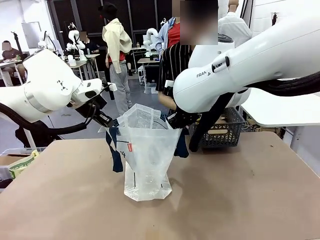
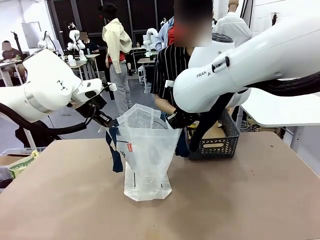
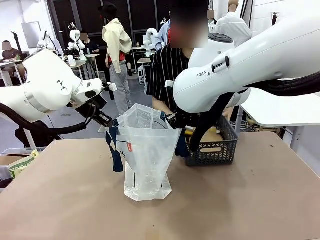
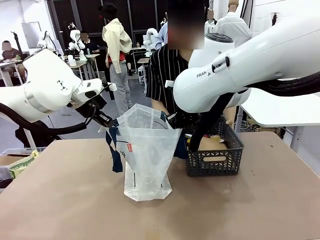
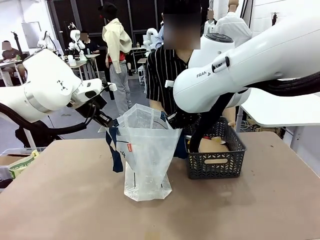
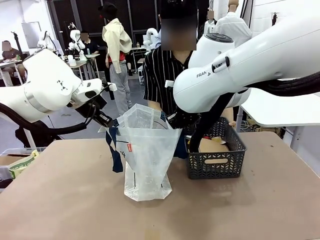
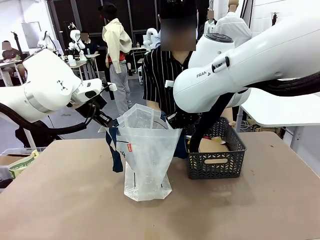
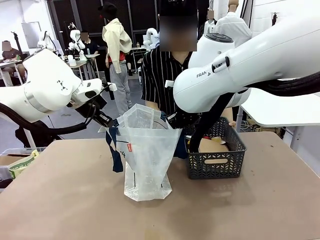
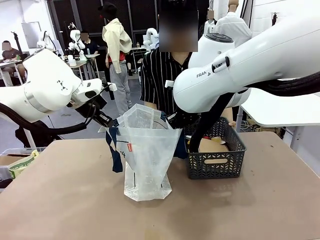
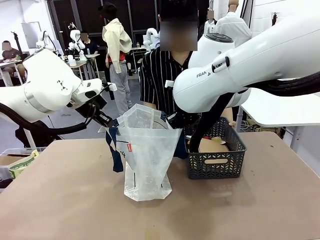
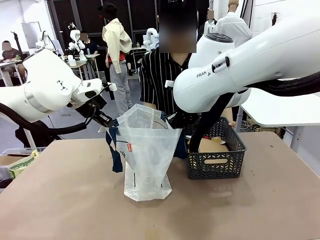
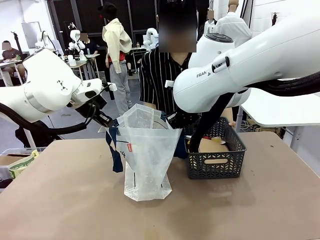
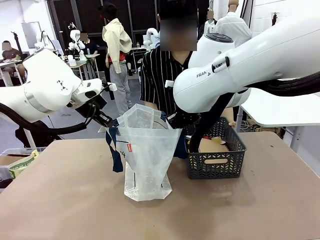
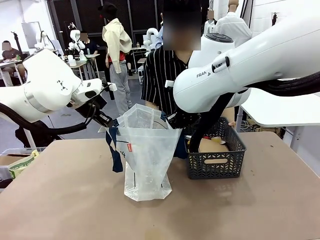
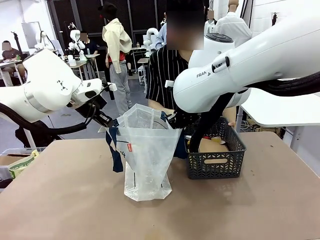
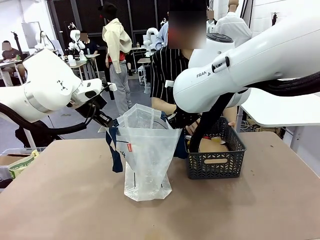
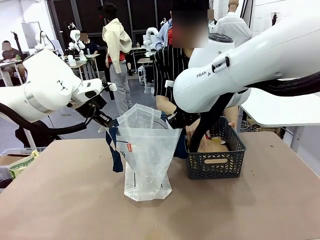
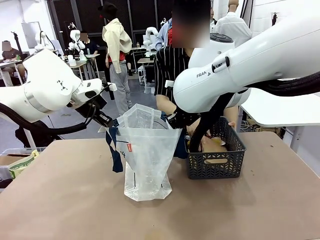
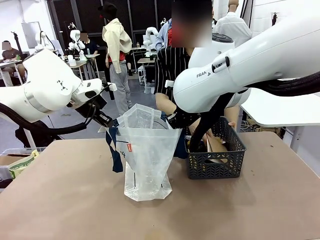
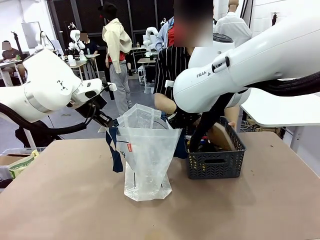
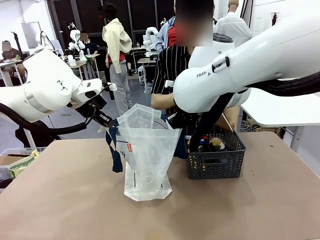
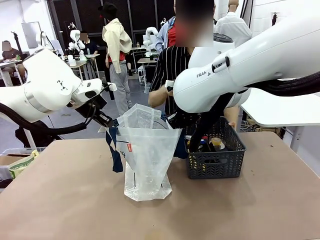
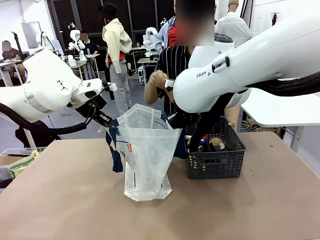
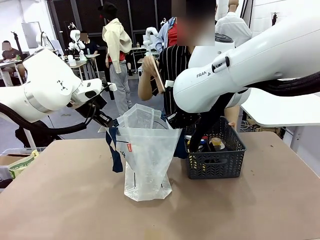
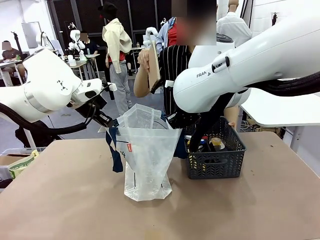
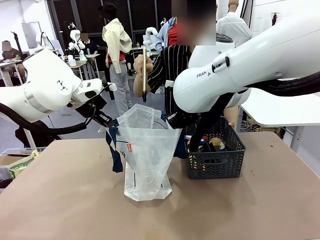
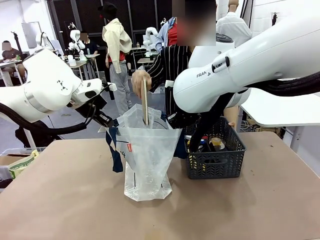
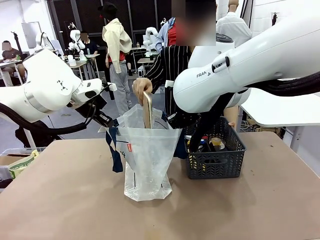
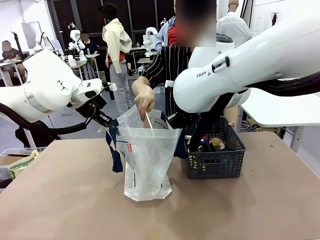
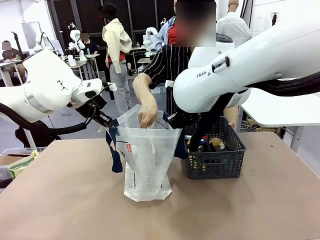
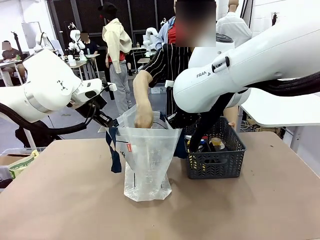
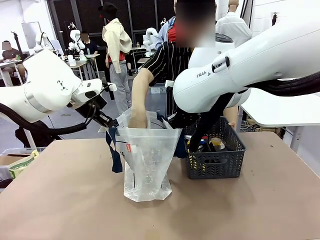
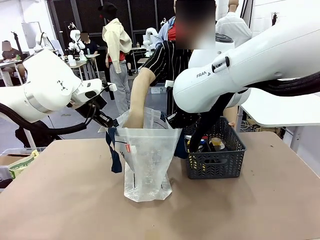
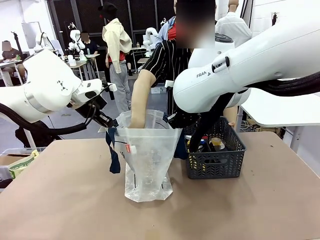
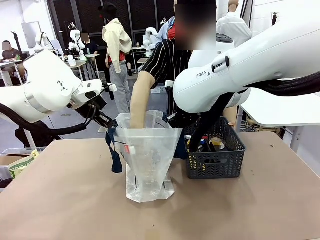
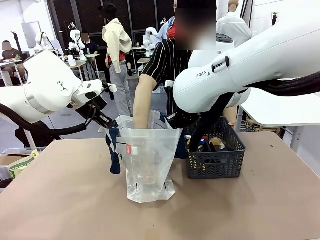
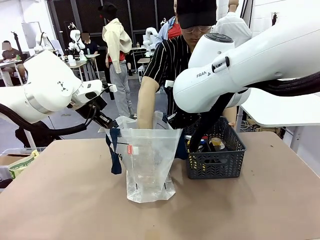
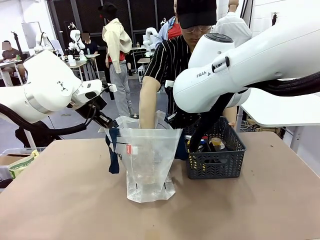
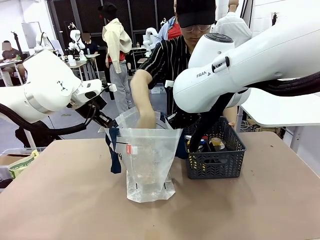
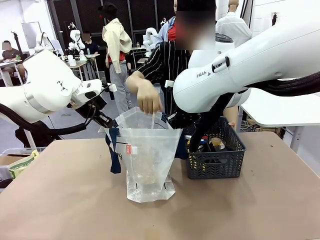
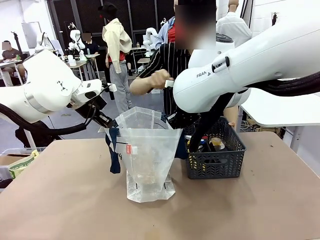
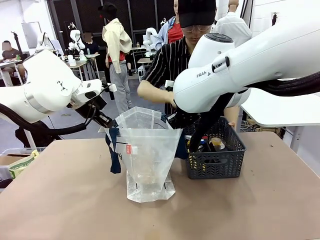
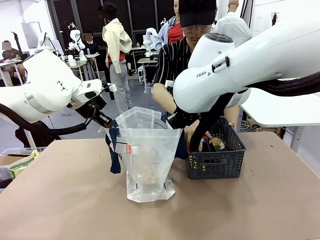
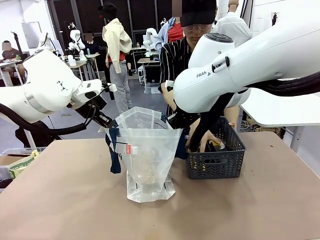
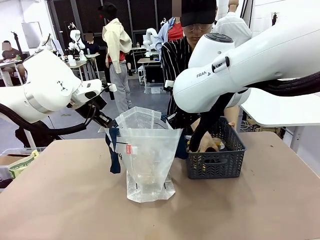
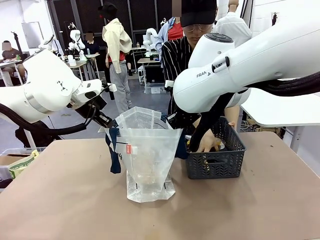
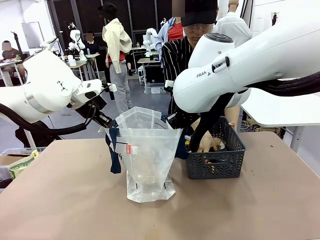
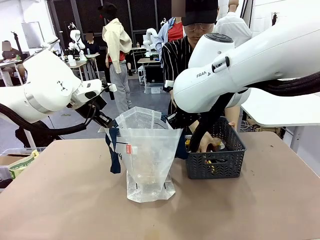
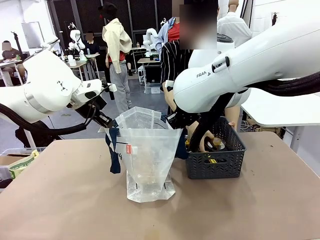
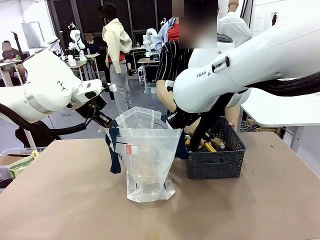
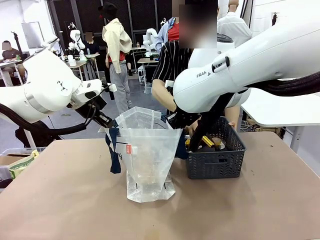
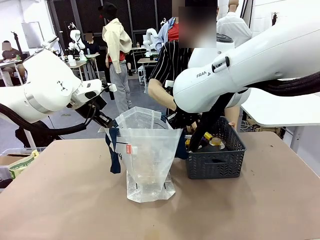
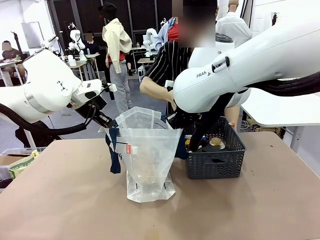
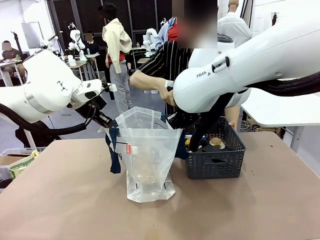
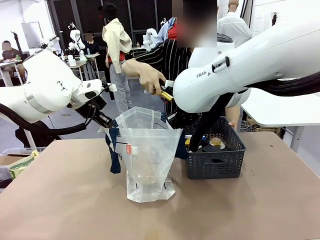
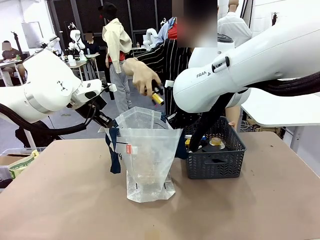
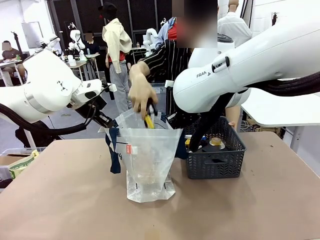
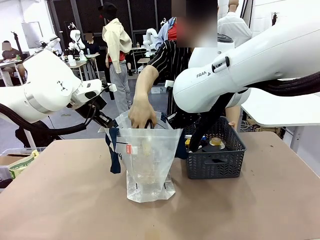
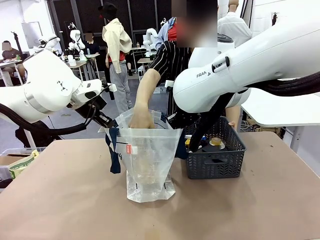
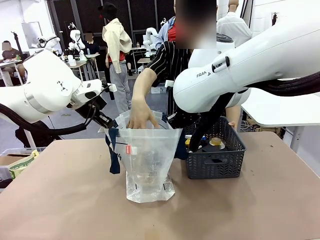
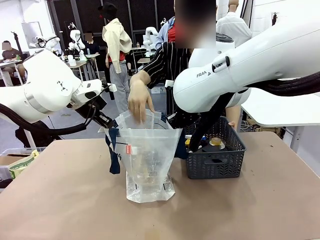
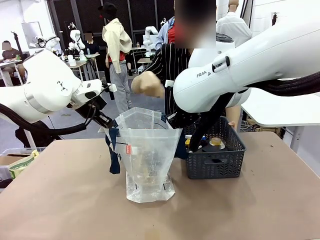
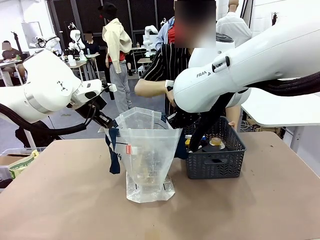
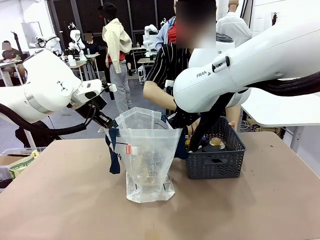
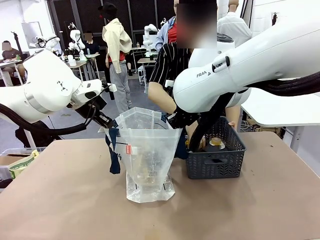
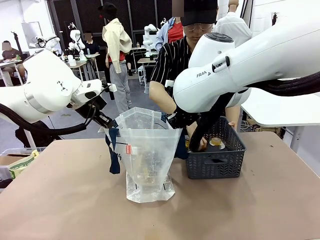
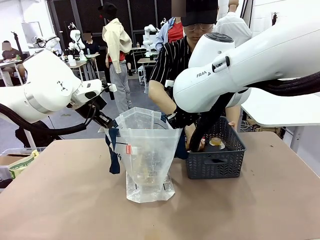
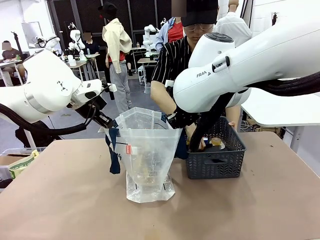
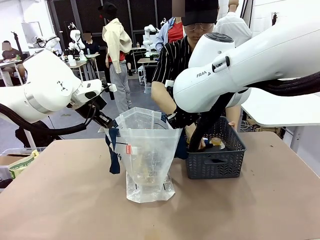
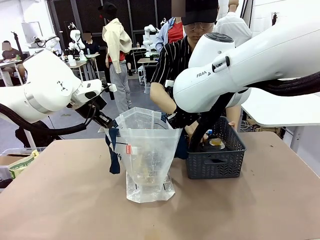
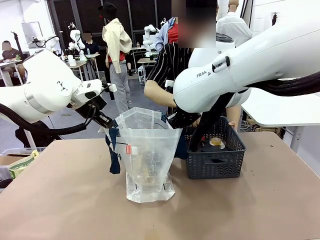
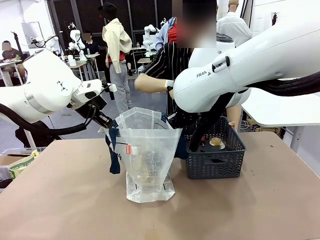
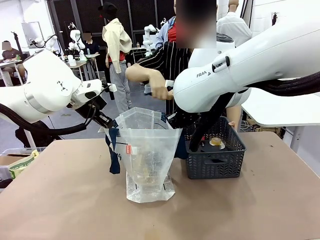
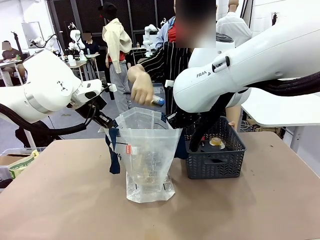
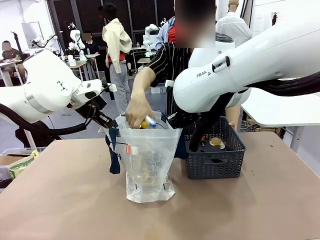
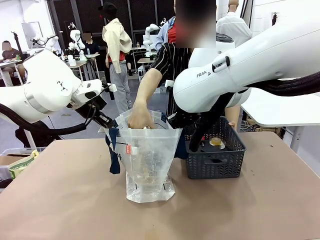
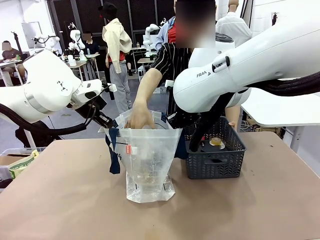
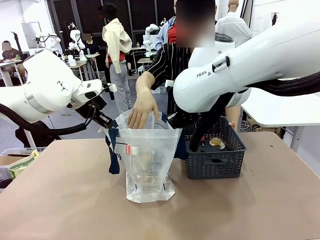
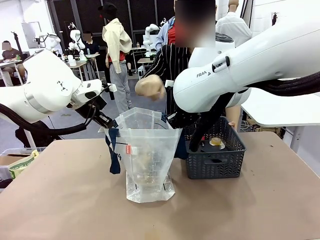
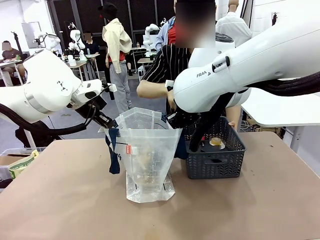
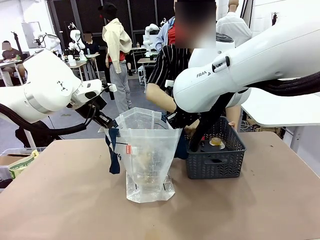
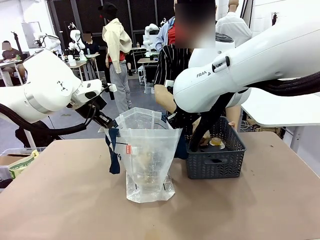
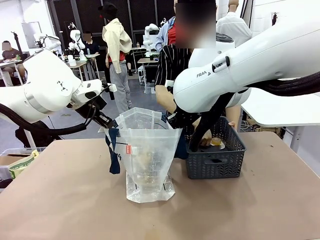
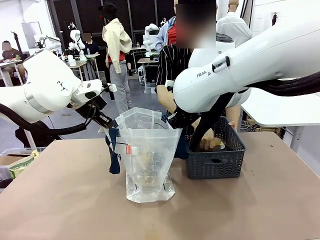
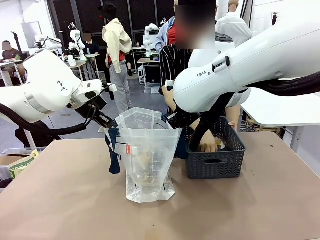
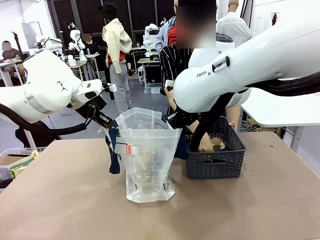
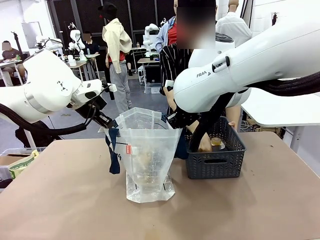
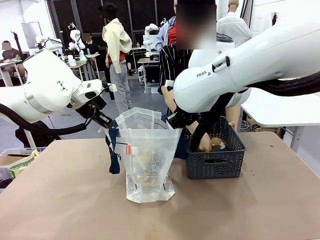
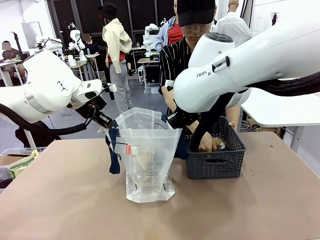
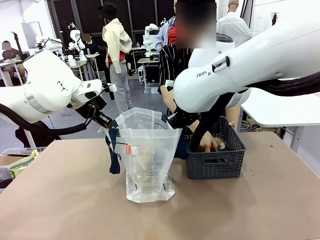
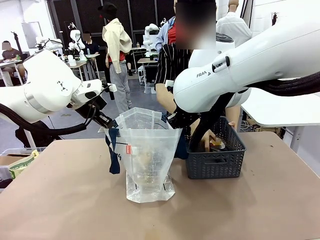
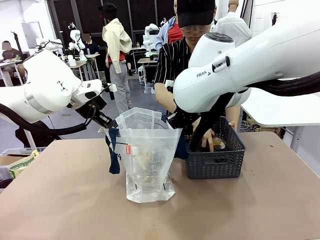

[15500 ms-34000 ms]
Task: Transfer purchased items from the store into the shopping bag.
Robot: Move the Reusable shopping bag to the right side of the table.
Person: Pick up the basket with the items out and place it on the right side of the human table.
